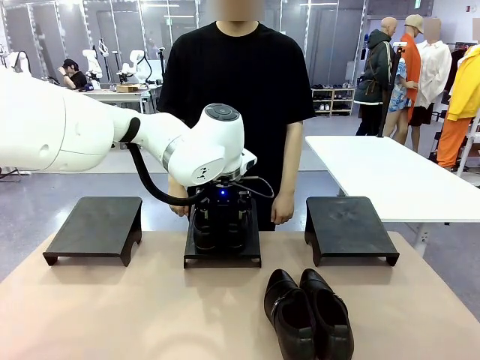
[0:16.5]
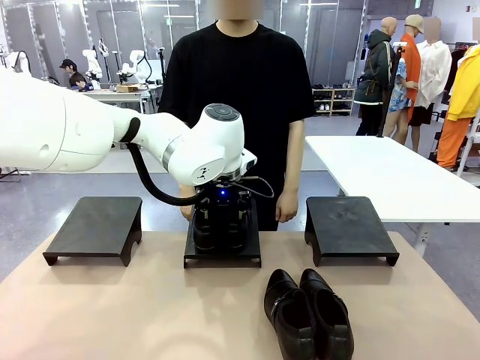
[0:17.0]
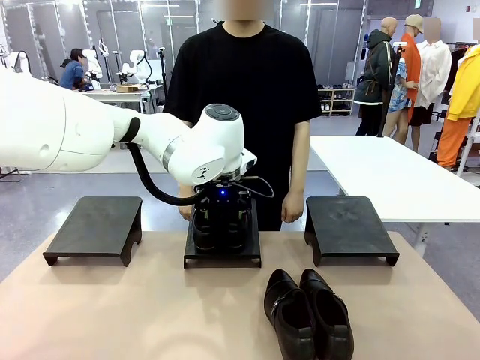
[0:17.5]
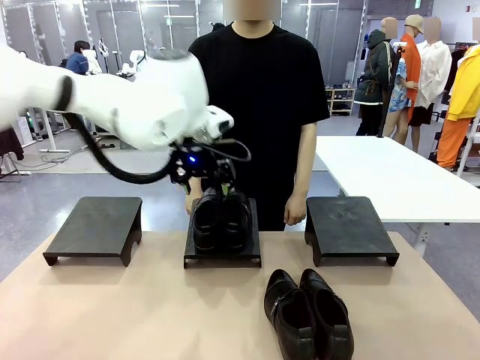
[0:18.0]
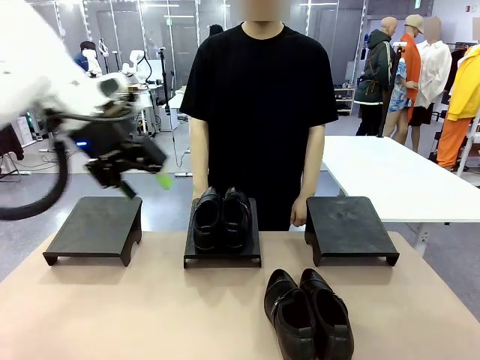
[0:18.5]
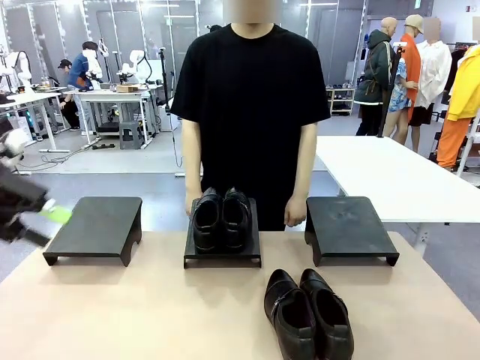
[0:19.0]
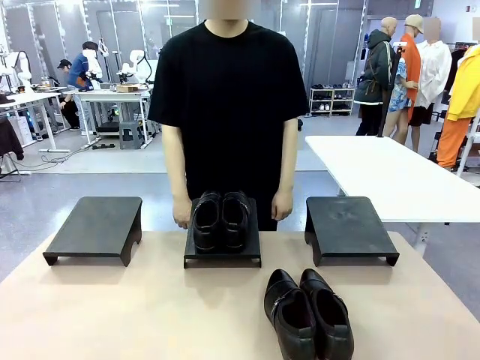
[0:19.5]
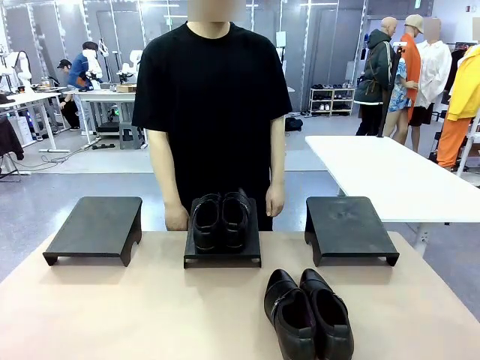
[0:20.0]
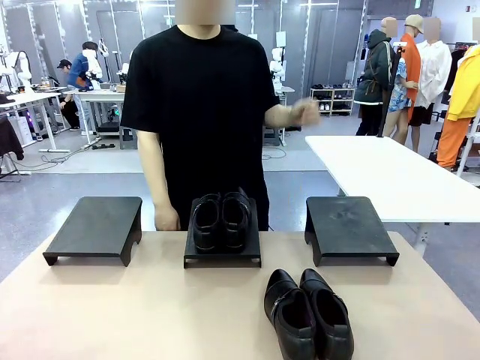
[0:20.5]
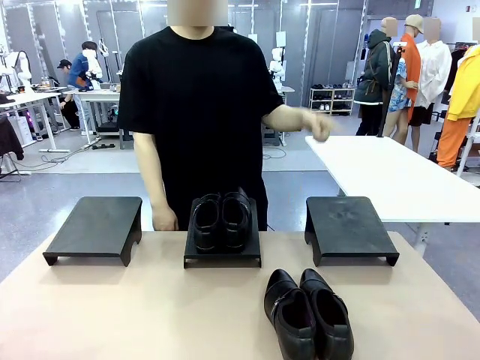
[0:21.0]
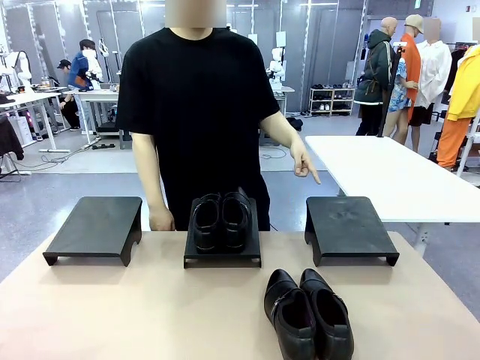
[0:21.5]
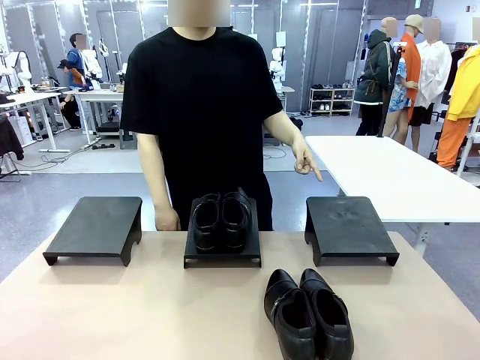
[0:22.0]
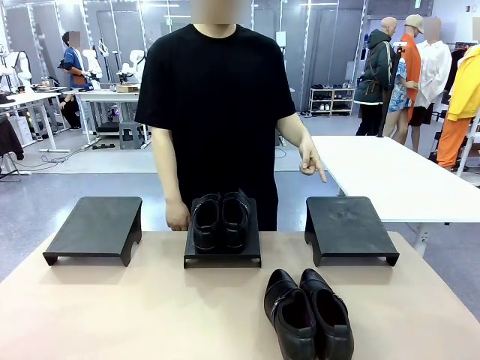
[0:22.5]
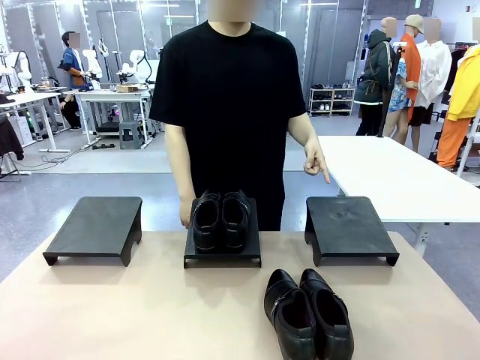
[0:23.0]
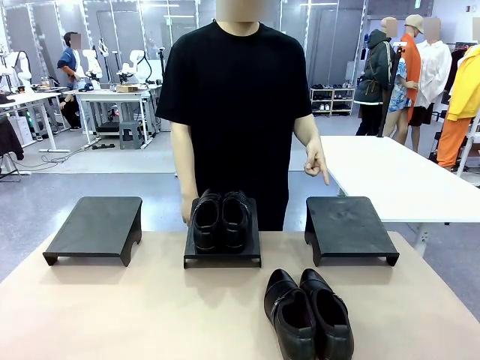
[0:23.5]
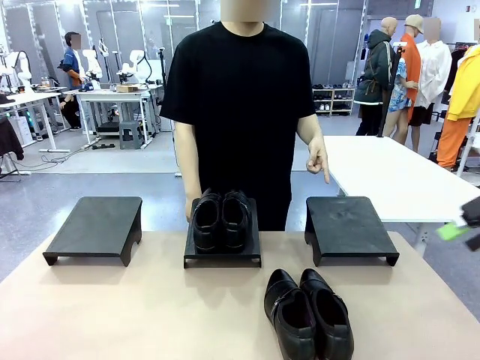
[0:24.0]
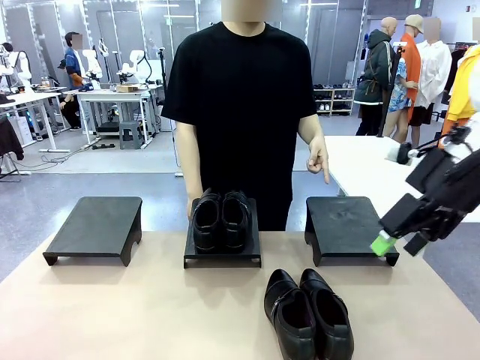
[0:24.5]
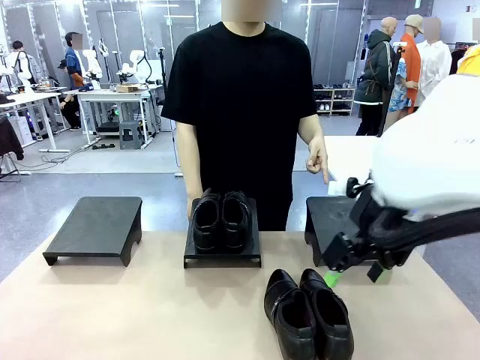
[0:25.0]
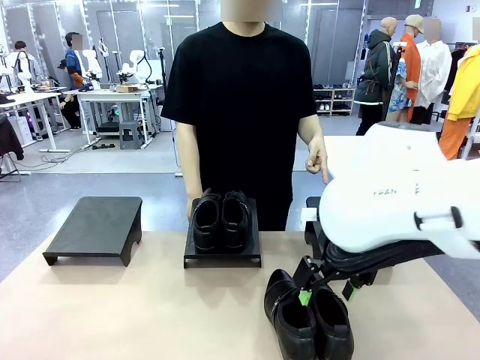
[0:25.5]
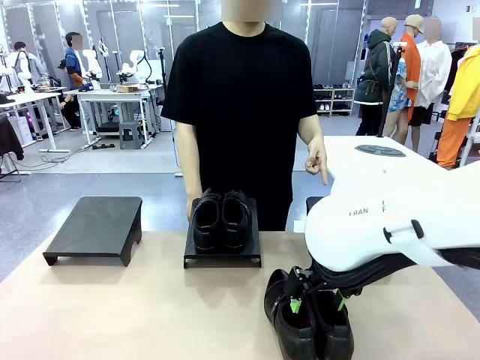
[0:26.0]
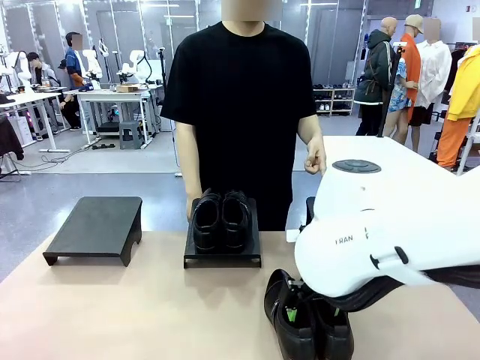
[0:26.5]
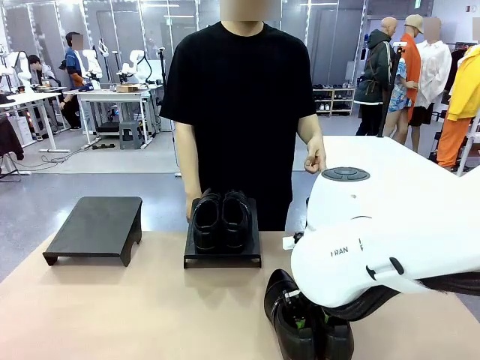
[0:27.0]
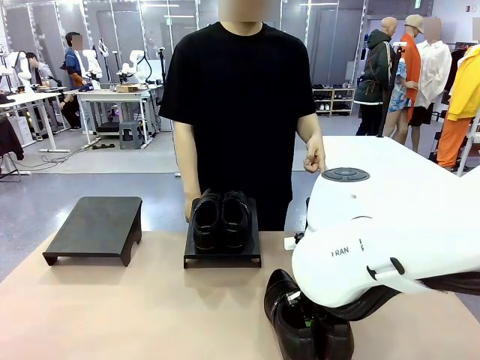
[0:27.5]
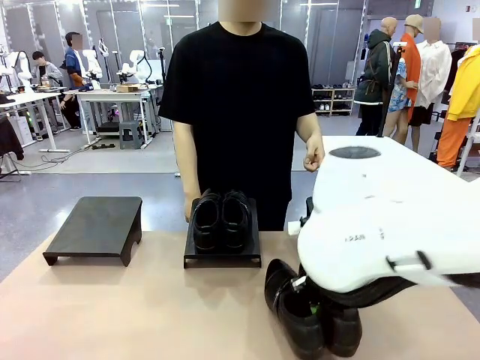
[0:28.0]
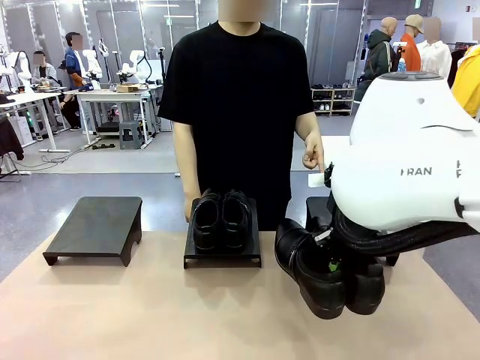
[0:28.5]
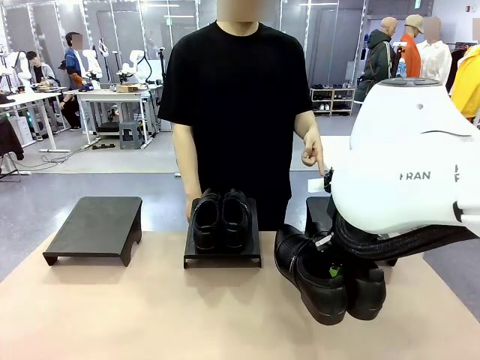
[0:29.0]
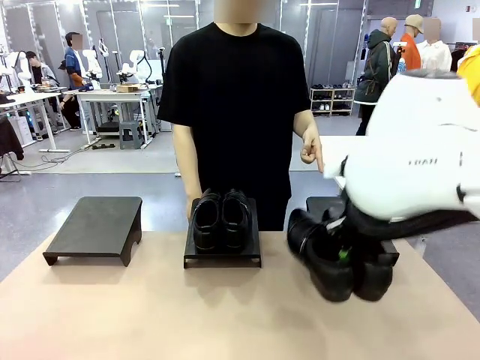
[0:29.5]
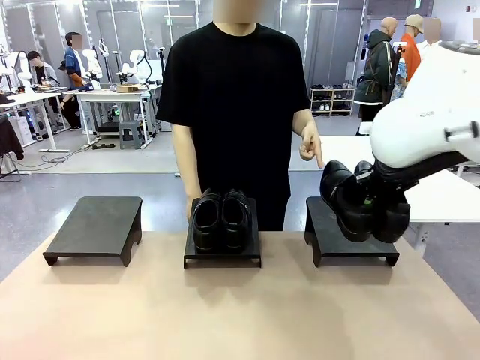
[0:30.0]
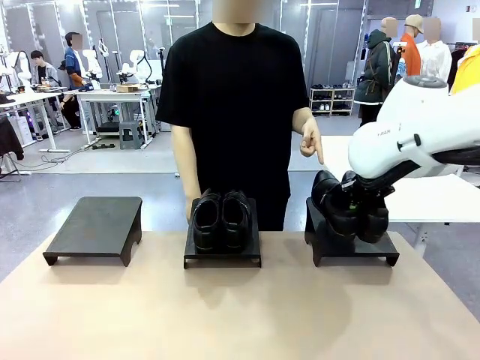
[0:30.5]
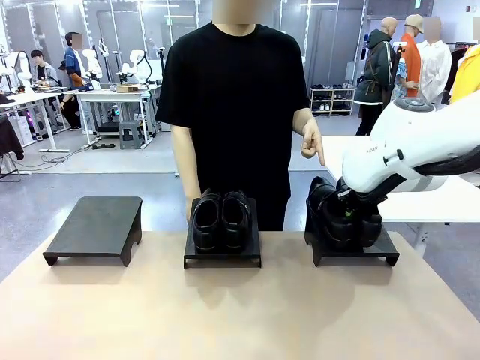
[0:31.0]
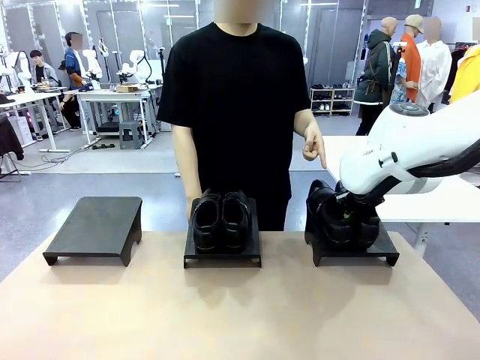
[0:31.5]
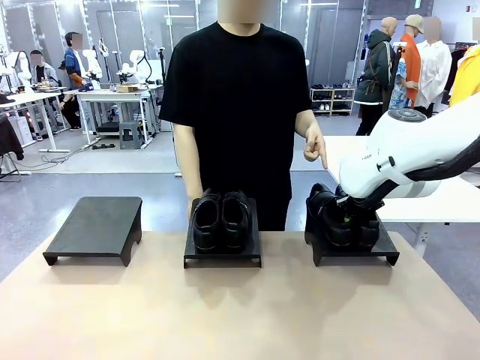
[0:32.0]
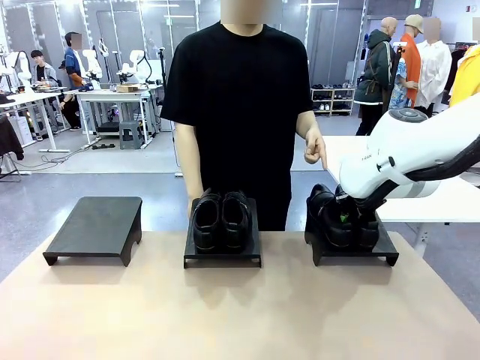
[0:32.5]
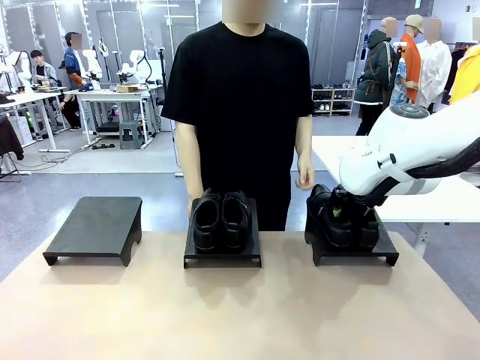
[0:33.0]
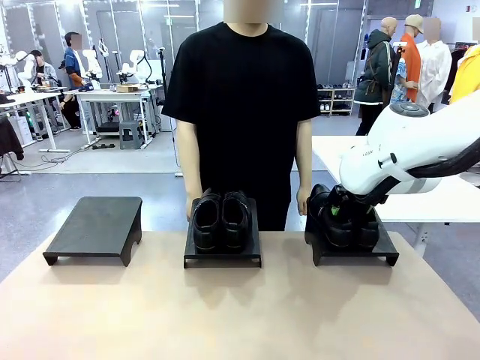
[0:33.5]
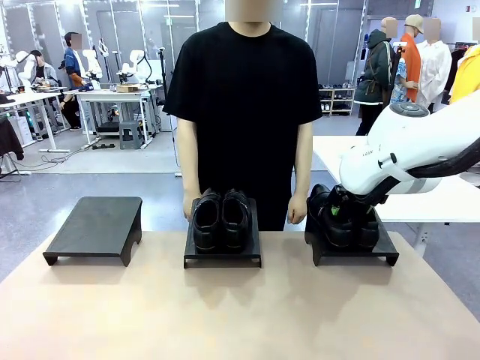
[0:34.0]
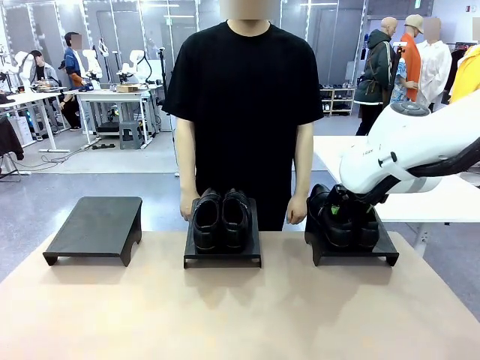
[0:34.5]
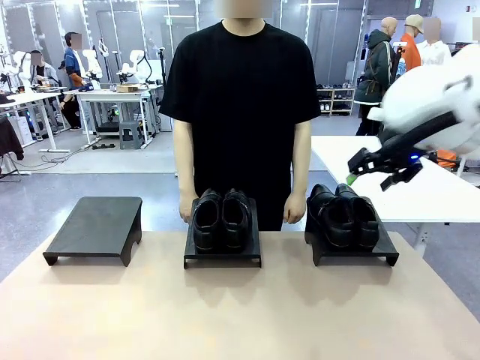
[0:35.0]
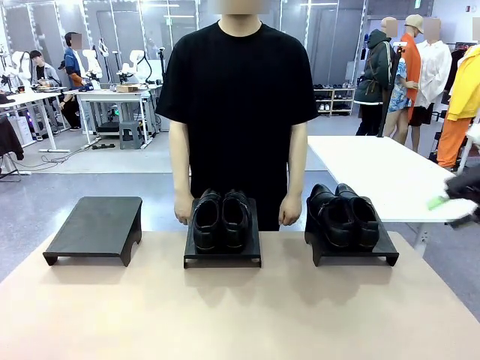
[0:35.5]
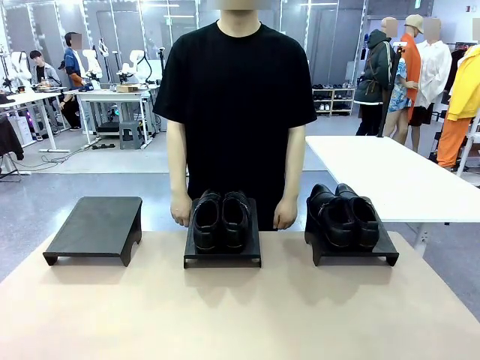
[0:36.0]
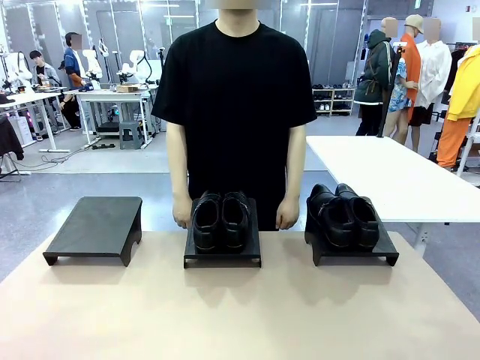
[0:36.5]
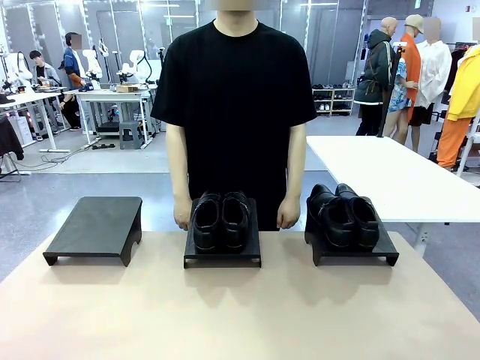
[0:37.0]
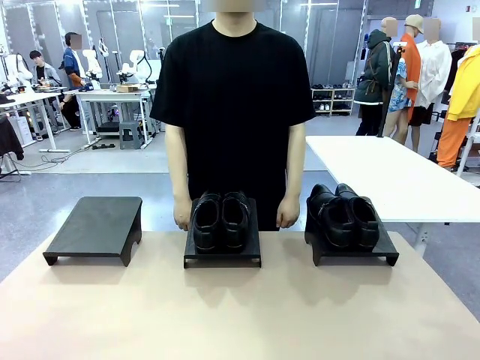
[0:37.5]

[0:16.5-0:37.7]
Task: Place the shoes on the stand as instructed by the person.
Robot: Pick up another pair of Shoes and place it on the Shoes Stand indicated by the person.
Person: Point to one Shoes Stand.
